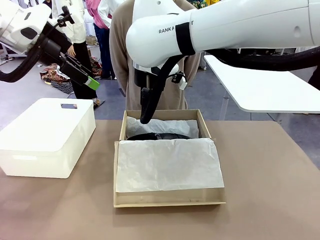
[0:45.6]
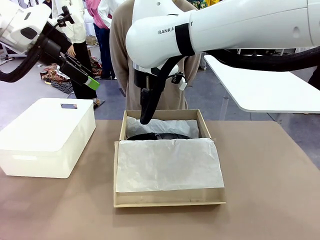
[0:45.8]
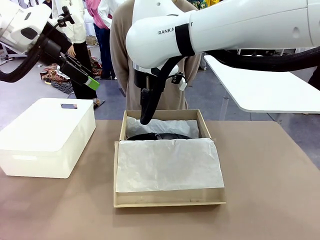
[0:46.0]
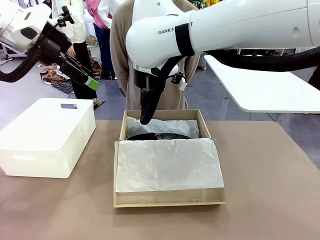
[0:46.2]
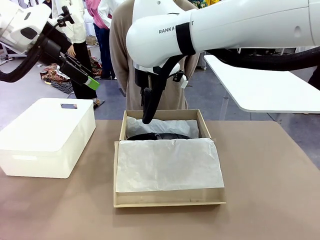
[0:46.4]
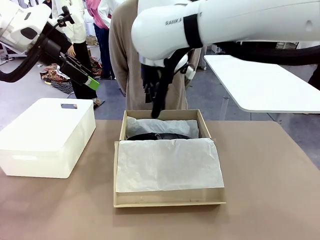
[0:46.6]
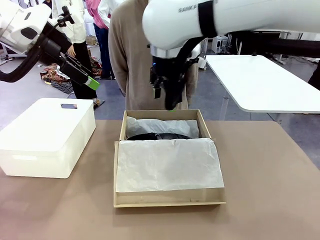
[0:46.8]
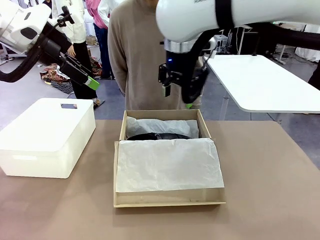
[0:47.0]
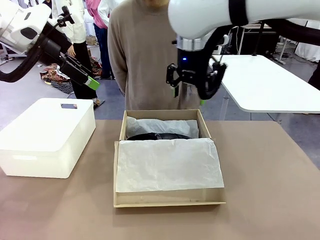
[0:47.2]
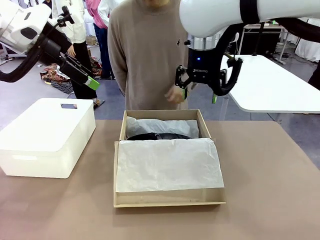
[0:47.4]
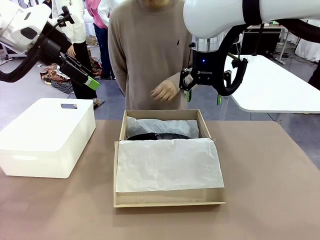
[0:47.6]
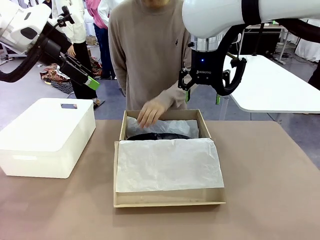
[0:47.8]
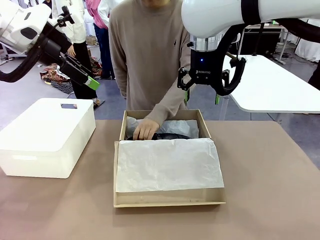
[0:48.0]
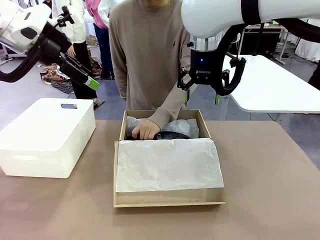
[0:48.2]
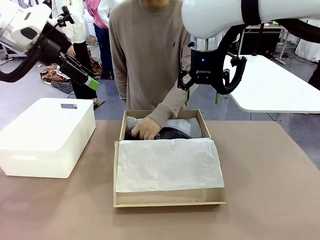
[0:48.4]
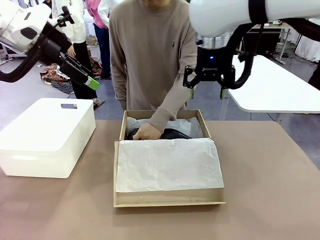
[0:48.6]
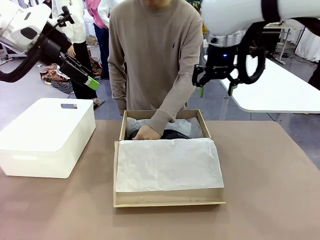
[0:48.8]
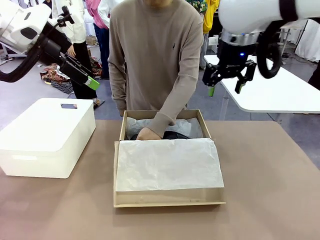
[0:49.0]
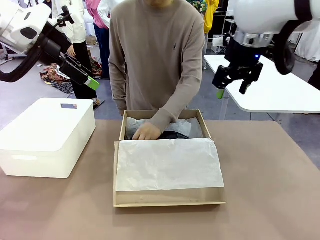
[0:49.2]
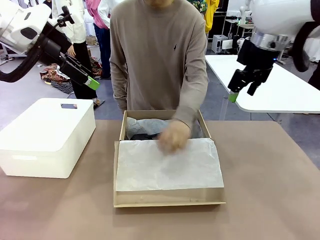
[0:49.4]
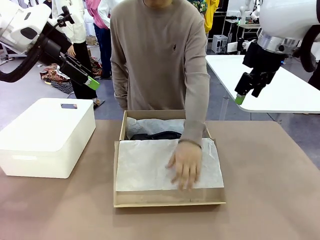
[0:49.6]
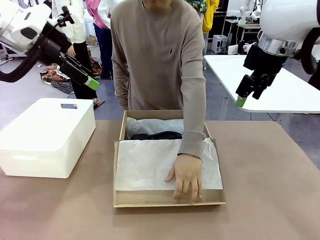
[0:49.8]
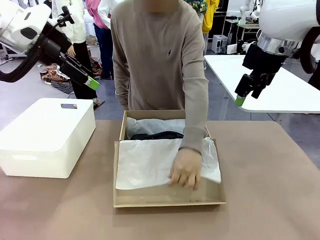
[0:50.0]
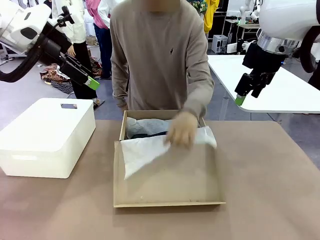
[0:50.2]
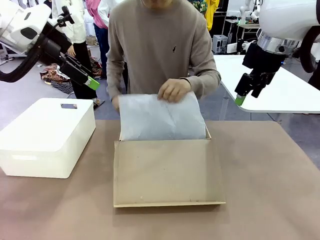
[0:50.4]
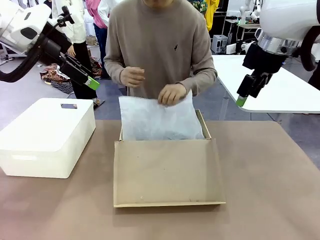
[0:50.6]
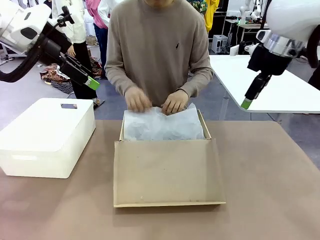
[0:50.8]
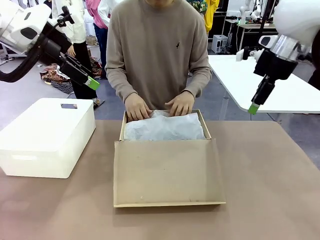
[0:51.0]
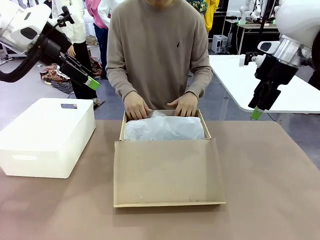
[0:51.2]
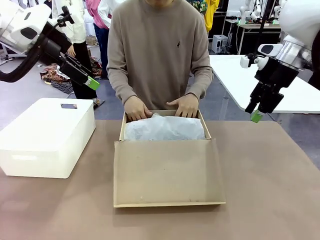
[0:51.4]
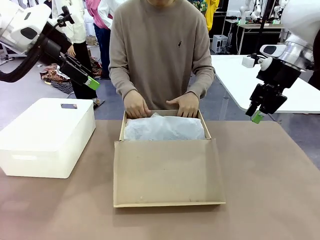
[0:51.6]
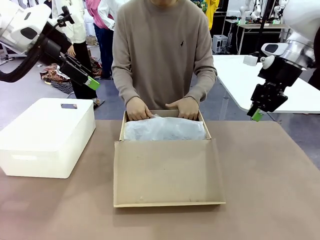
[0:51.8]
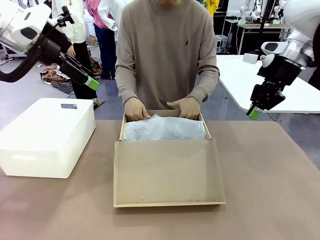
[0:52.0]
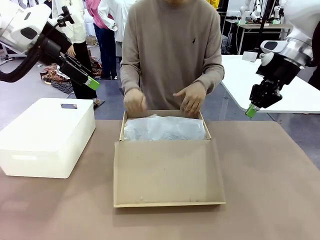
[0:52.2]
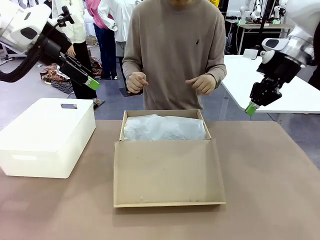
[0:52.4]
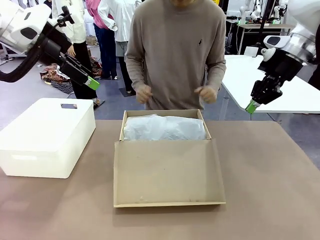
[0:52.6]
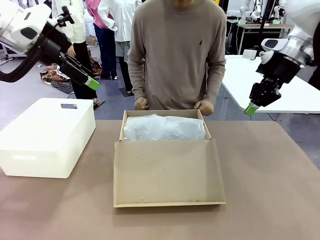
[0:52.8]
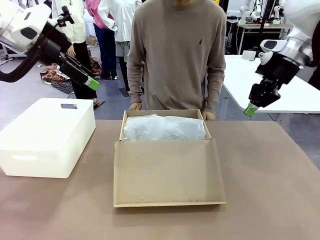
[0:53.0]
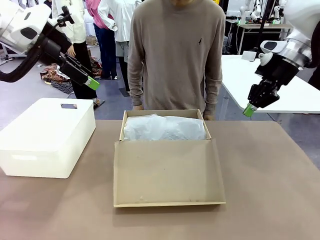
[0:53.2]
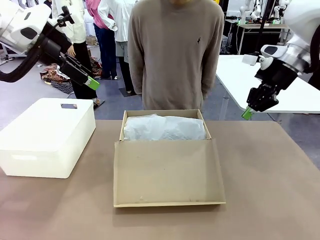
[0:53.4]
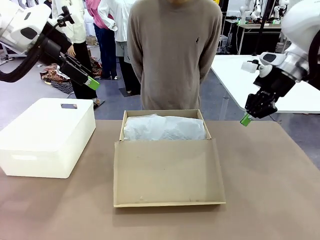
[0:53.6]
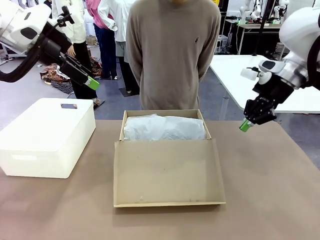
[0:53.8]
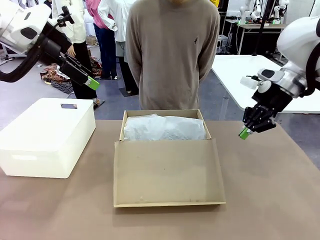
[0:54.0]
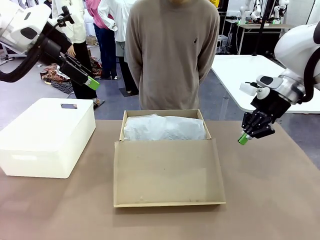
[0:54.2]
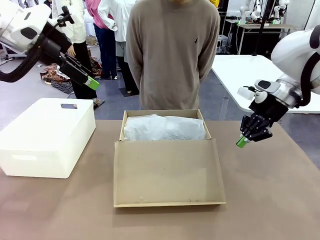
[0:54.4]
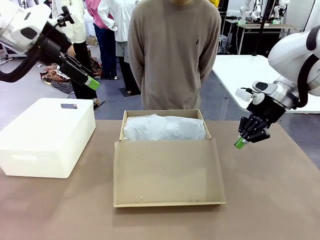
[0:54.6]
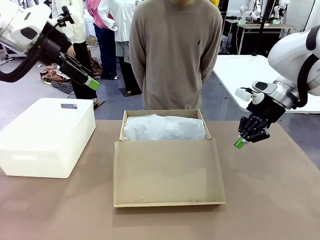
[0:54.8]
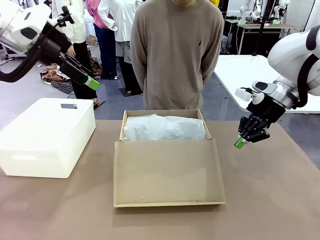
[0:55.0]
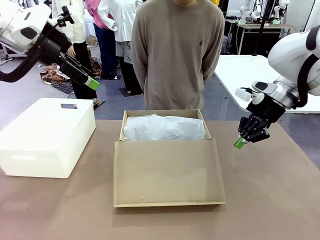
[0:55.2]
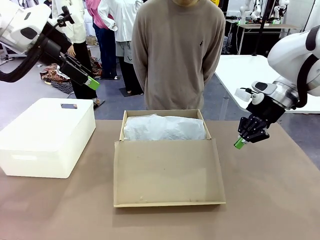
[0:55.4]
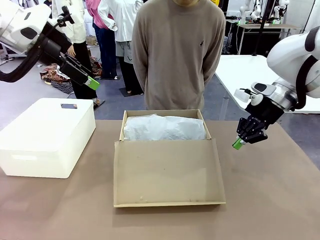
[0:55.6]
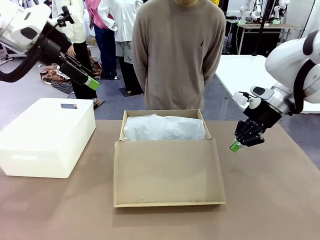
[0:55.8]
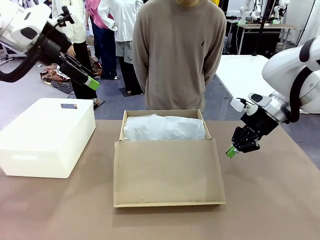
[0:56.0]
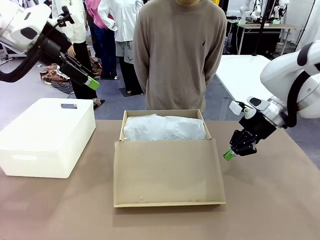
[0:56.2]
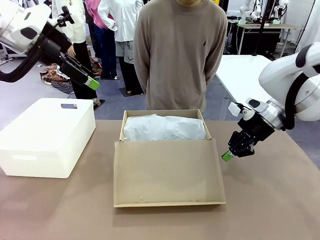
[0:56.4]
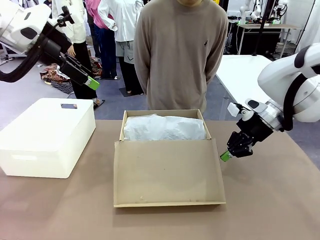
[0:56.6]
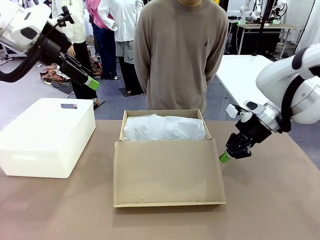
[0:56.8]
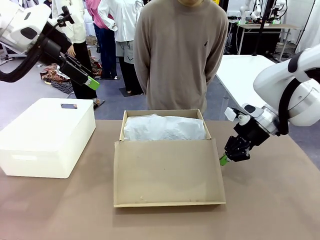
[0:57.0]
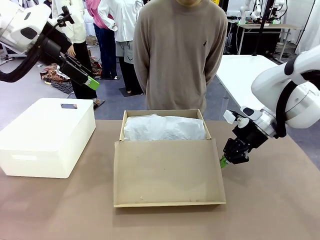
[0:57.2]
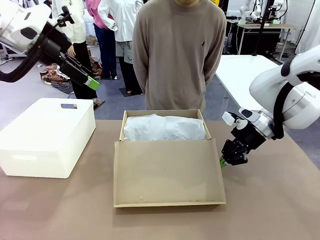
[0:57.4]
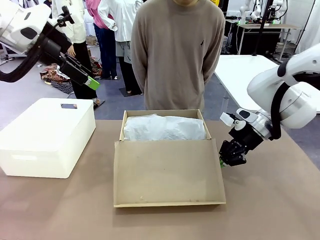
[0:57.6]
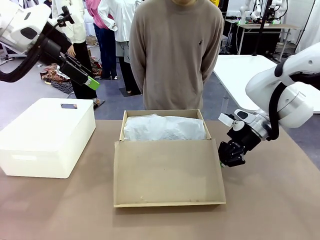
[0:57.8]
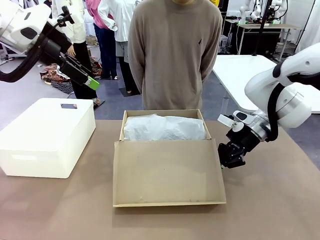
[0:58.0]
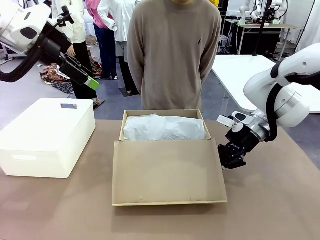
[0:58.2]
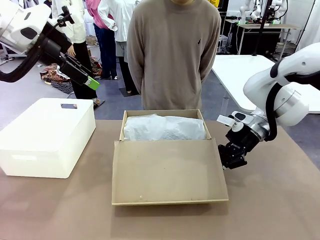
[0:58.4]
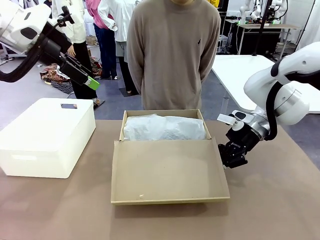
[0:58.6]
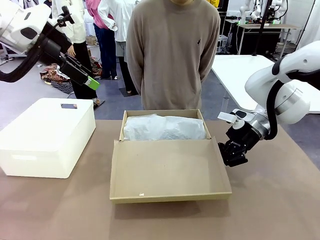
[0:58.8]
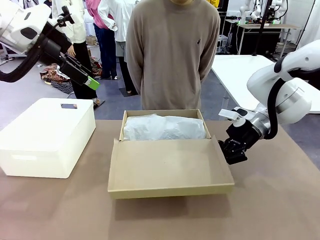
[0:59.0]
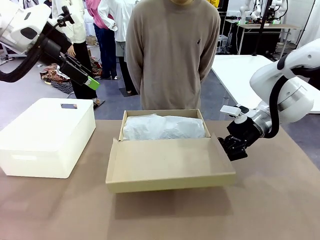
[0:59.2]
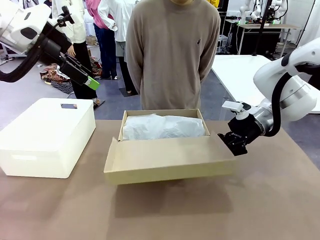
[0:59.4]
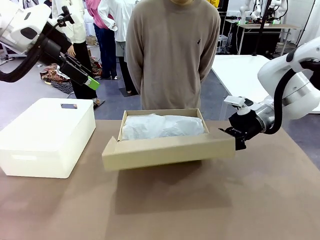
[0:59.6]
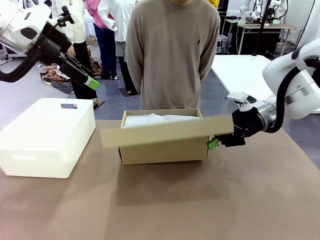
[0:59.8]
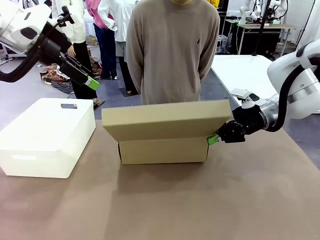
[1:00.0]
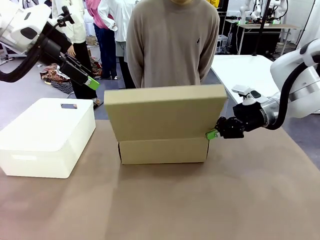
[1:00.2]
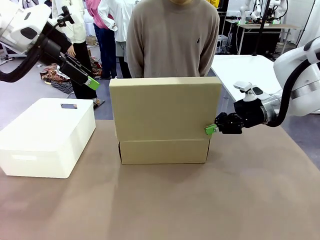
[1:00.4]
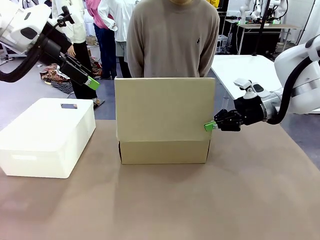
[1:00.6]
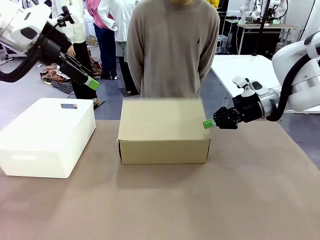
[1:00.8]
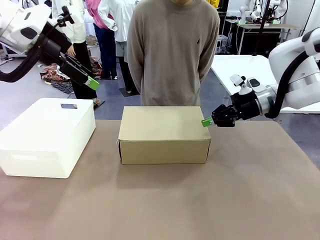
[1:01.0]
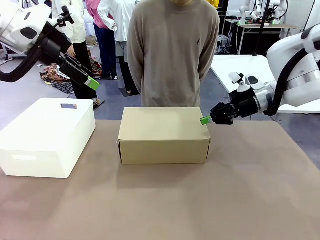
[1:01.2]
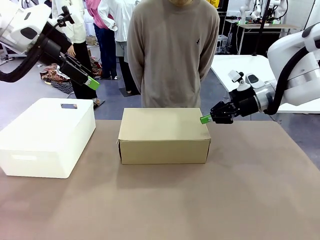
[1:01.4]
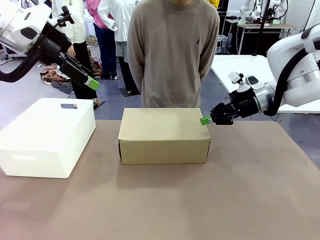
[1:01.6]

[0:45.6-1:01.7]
Task: Pack the shoes into the box.
Robot: Close the Shoes Box.
